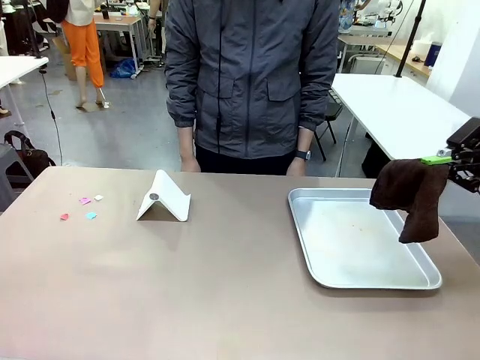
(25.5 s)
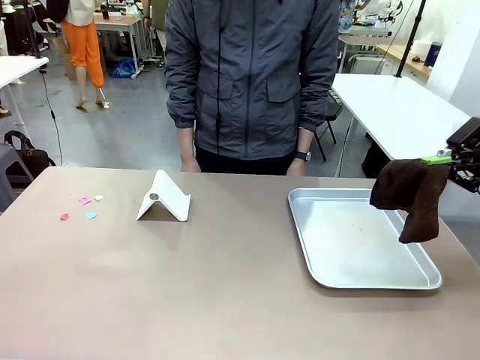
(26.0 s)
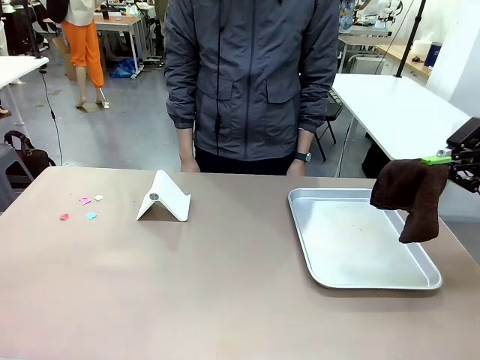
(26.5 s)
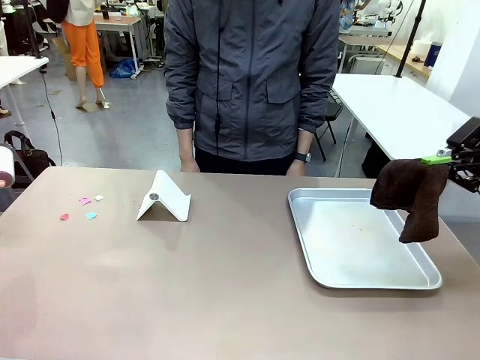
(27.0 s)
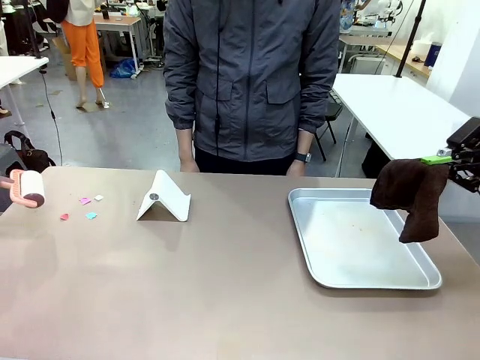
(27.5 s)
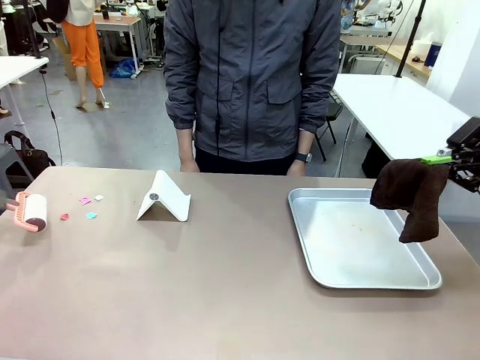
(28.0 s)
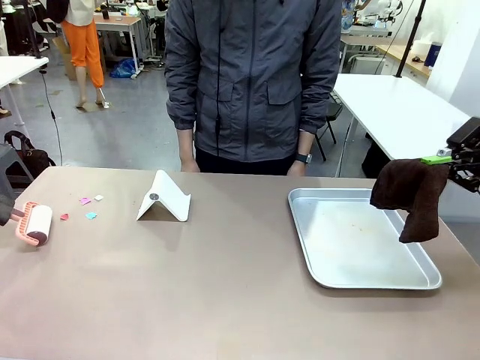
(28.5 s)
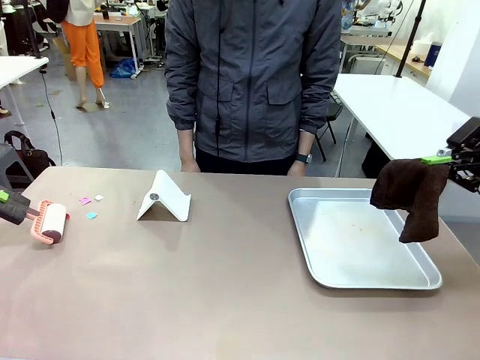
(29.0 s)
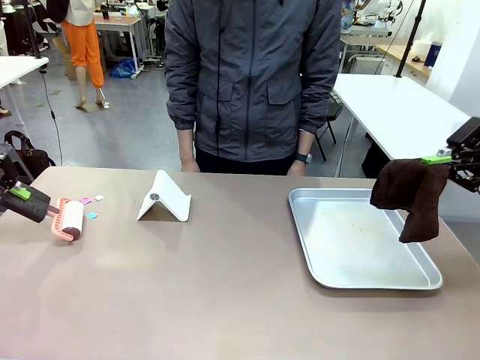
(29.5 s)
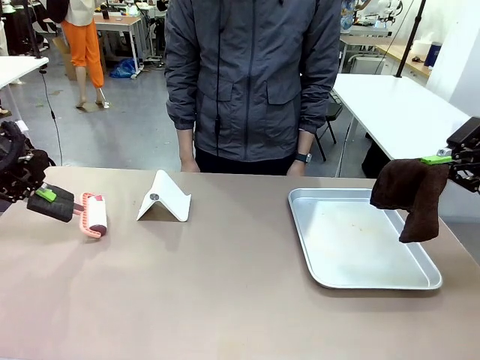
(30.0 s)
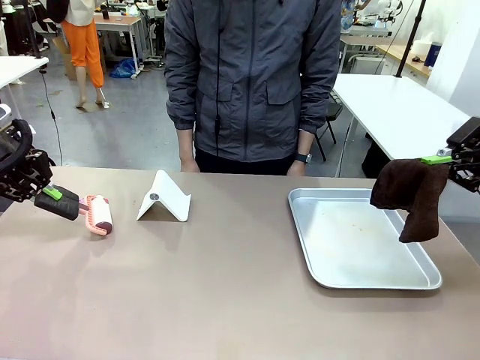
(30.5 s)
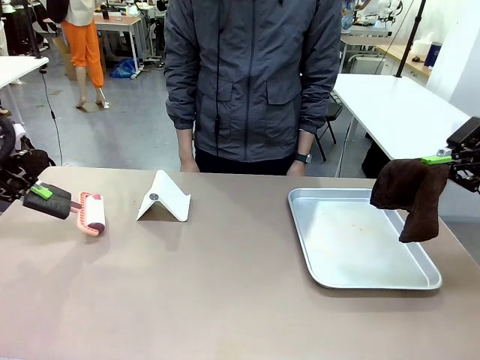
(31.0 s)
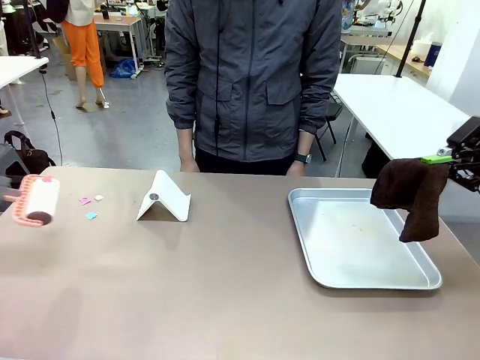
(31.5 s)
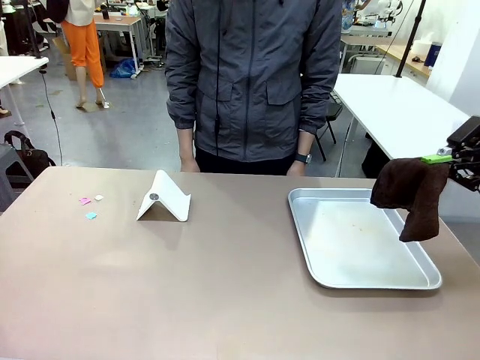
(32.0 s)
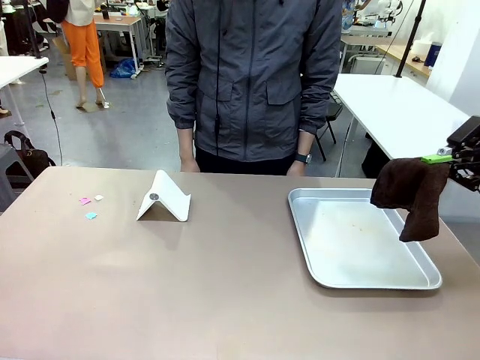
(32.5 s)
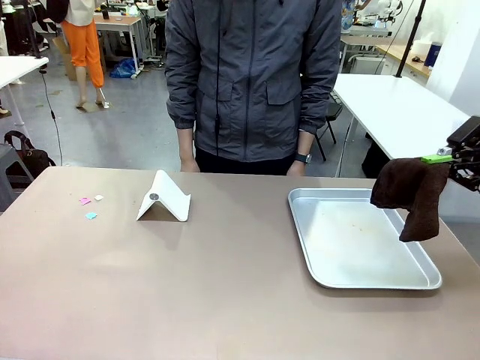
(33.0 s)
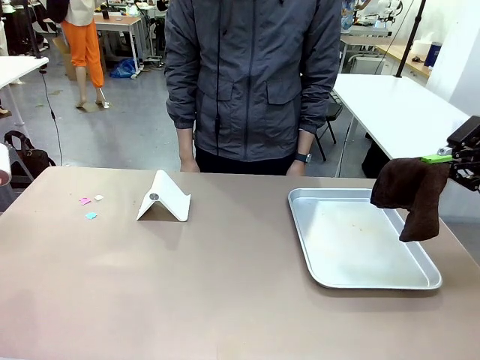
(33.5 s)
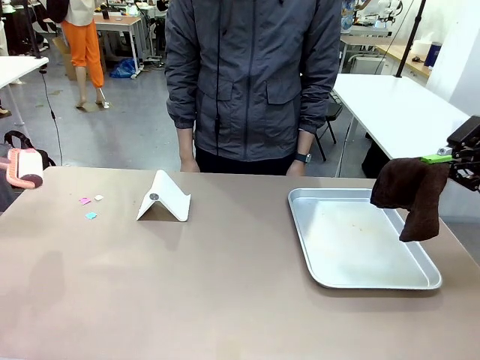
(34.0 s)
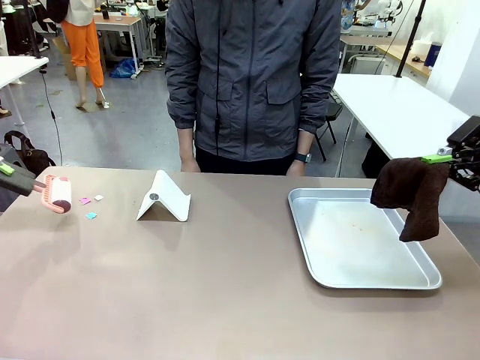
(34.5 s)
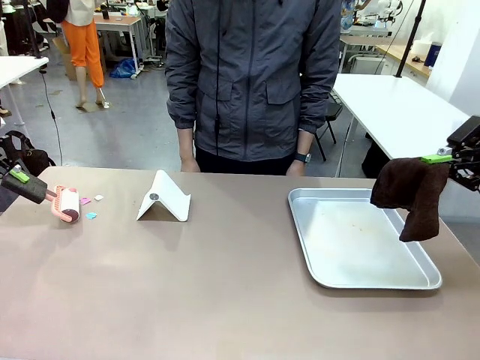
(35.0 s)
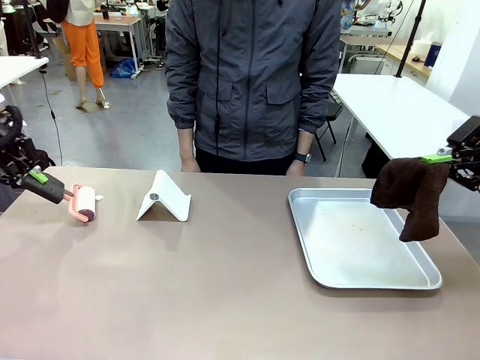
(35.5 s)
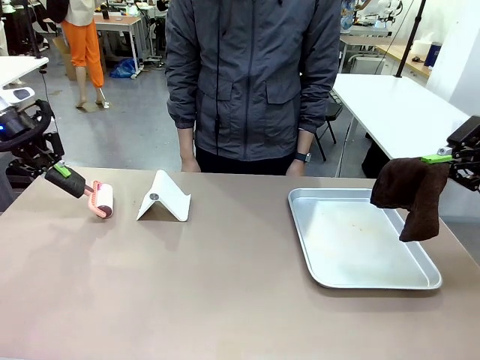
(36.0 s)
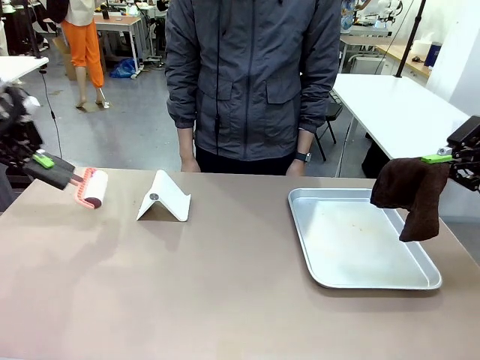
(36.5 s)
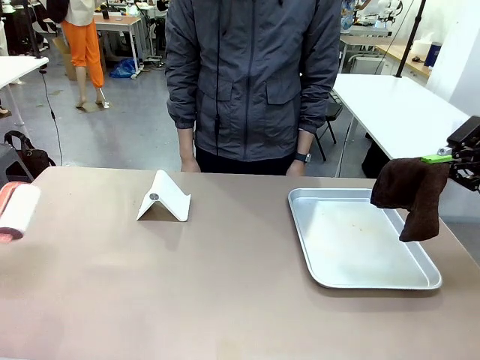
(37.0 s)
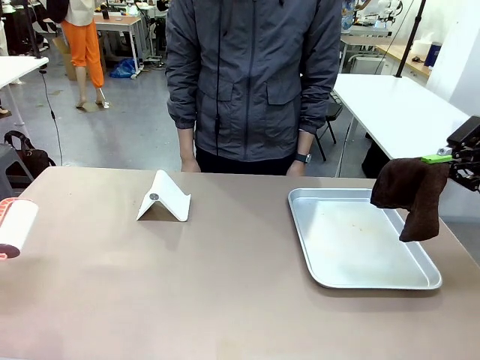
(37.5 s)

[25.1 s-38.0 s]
Task: Clean the surface of the table.
Robot: Clean the area not pointed to by the person.

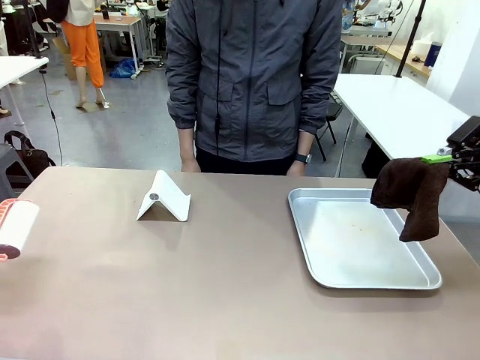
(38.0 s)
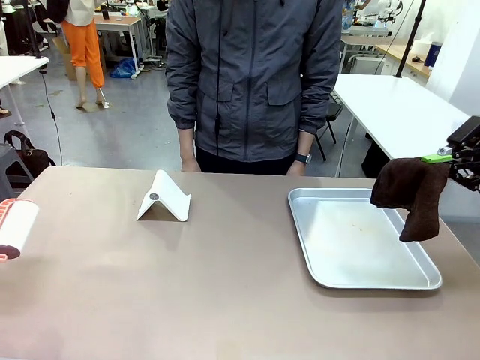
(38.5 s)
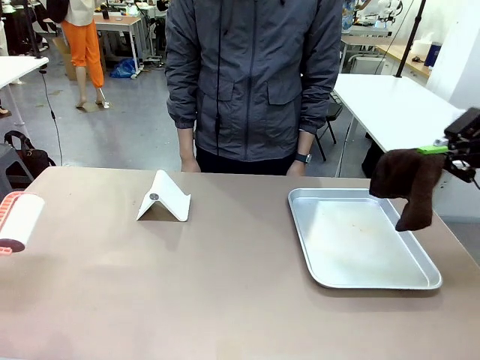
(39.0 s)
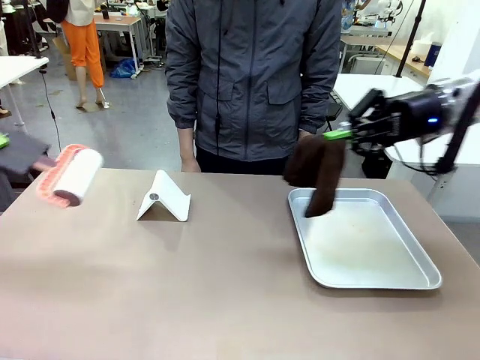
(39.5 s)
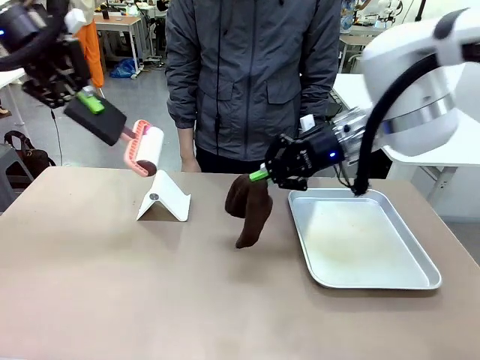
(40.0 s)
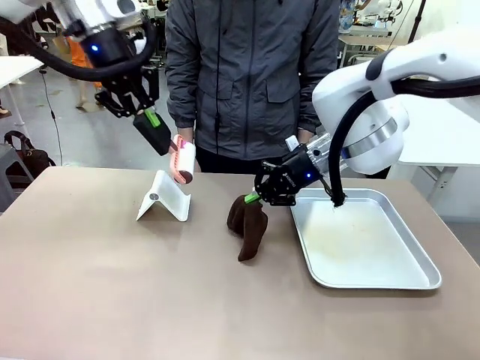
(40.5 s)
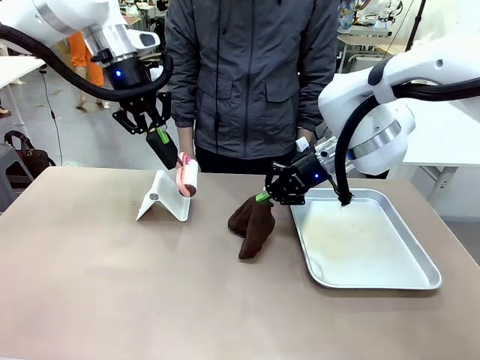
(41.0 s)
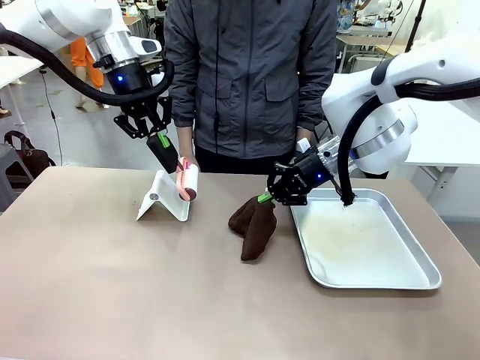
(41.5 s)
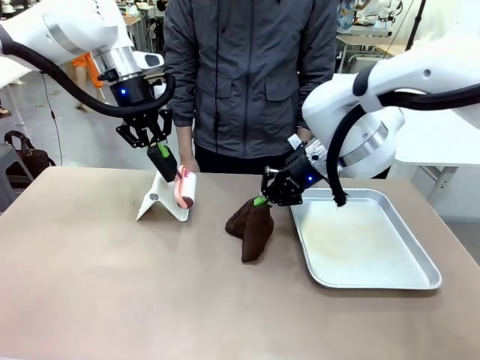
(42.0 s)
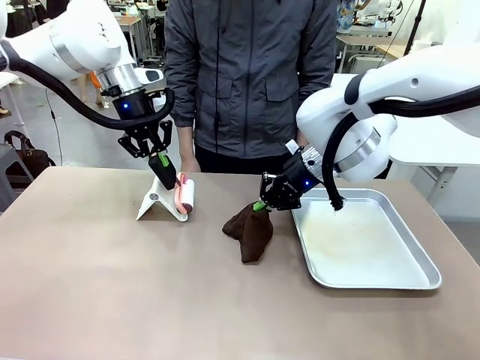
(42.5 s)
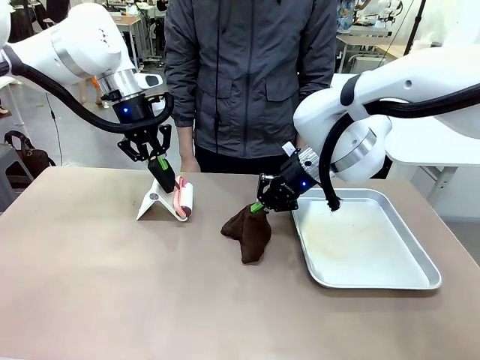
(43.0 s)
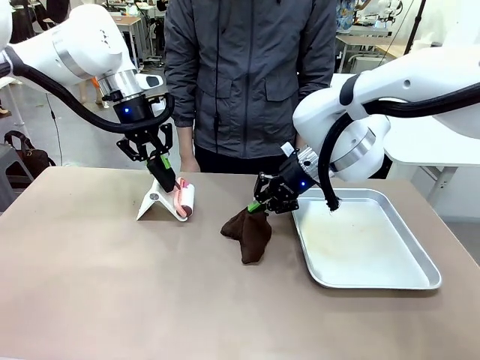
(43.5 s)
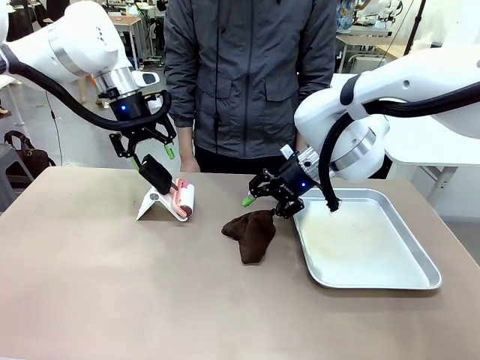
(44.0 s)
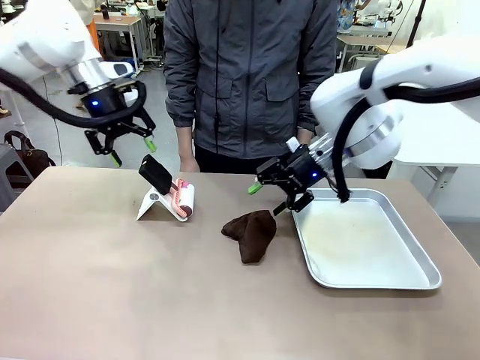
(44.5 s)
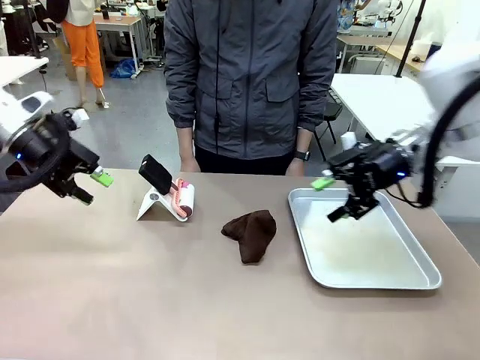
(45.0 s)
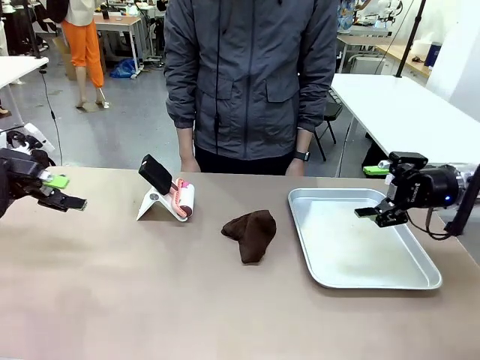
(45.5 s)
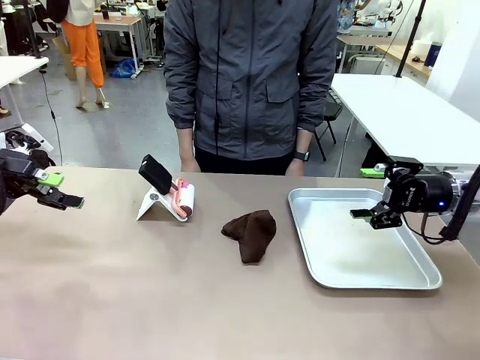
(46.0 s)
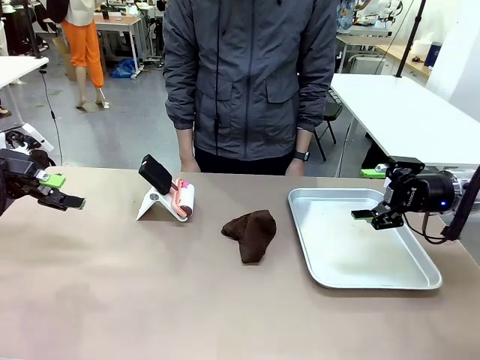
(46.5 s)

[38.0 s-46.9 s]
Robot: Return the Lint Roller and towel to their original positions.
